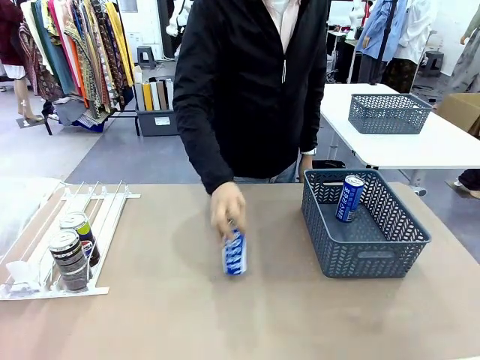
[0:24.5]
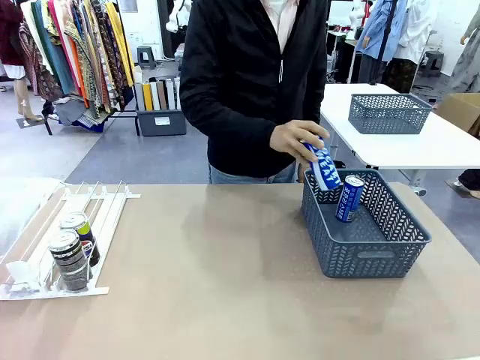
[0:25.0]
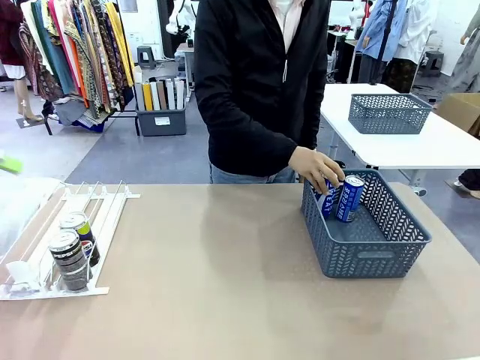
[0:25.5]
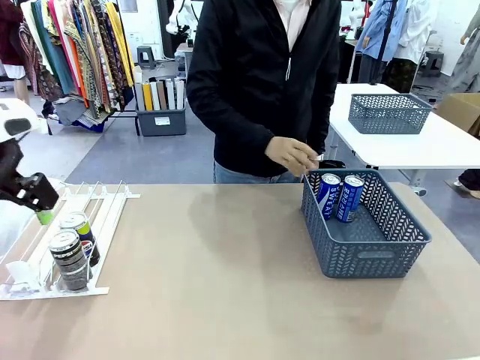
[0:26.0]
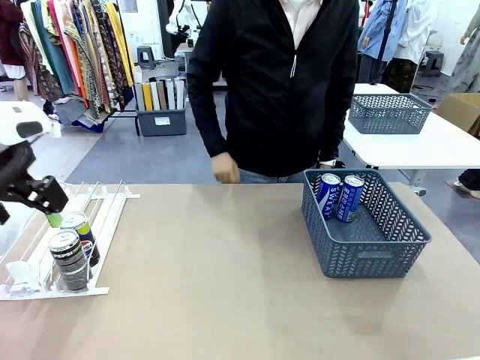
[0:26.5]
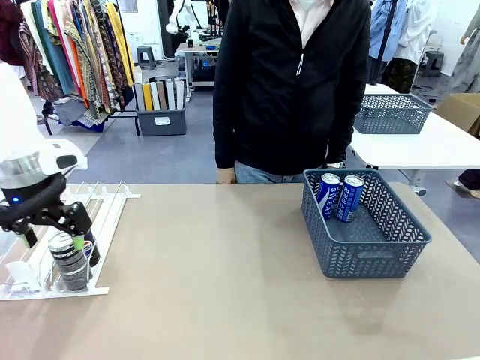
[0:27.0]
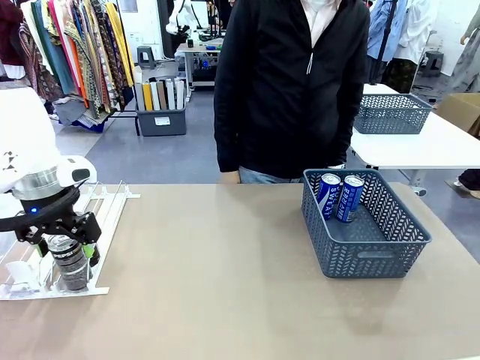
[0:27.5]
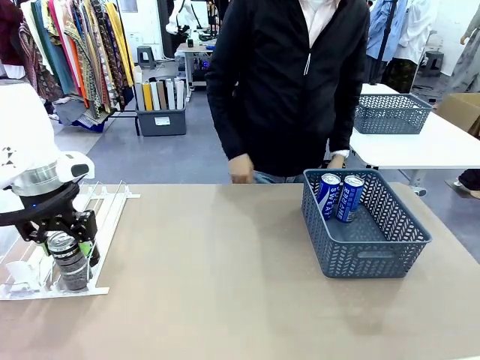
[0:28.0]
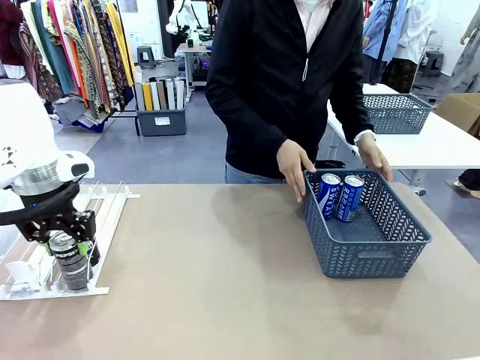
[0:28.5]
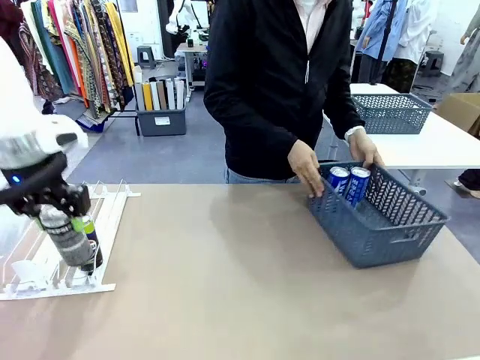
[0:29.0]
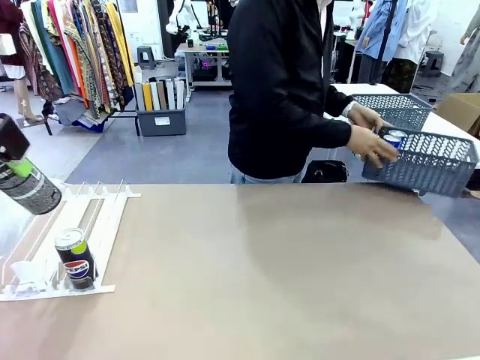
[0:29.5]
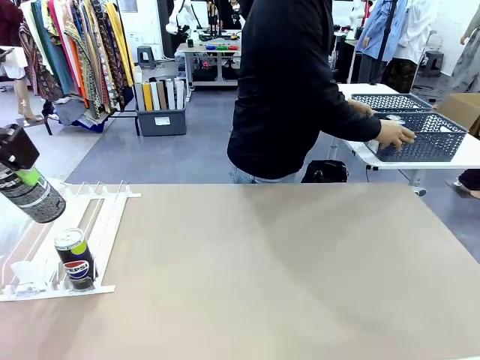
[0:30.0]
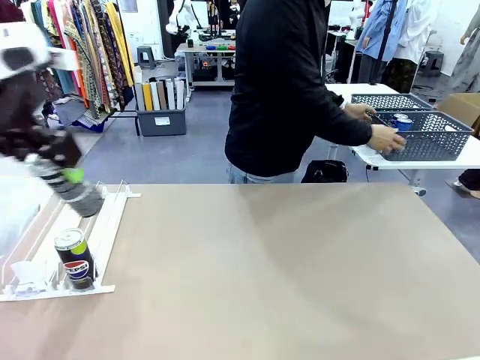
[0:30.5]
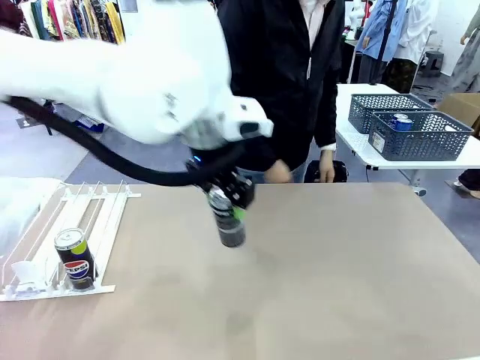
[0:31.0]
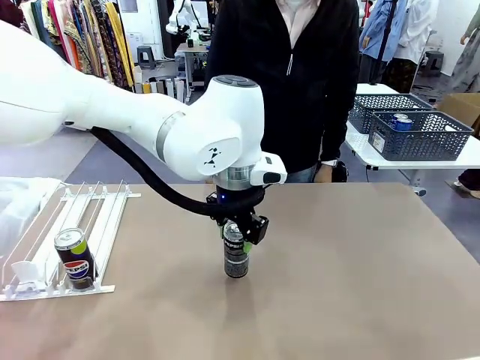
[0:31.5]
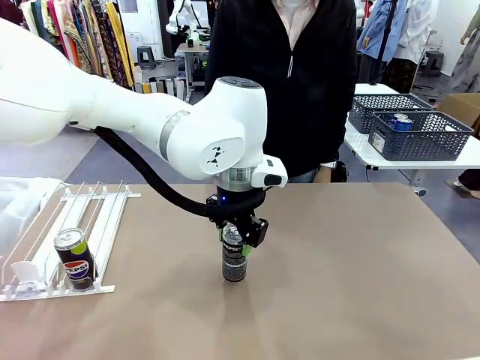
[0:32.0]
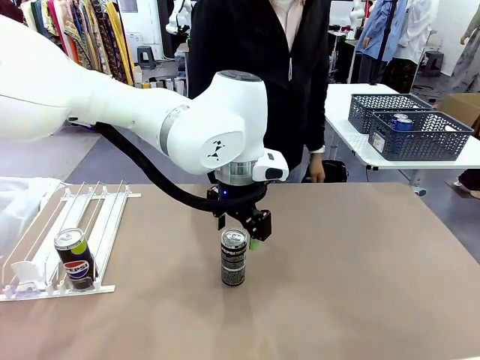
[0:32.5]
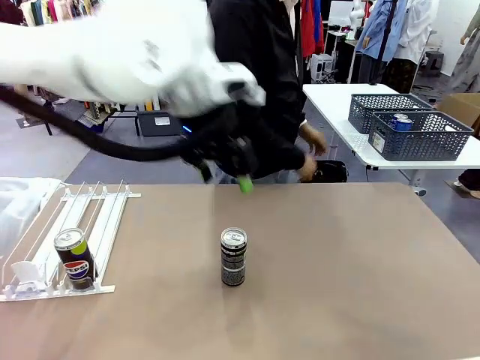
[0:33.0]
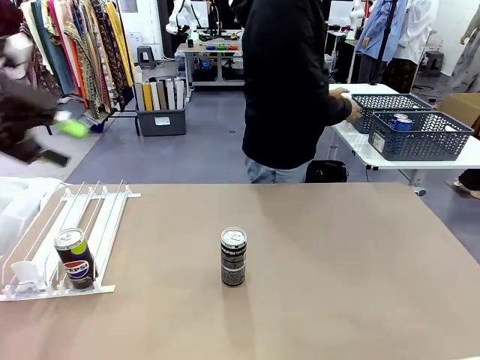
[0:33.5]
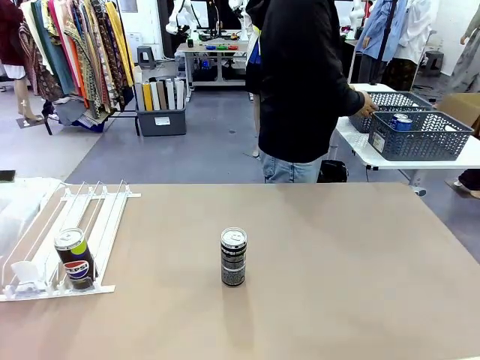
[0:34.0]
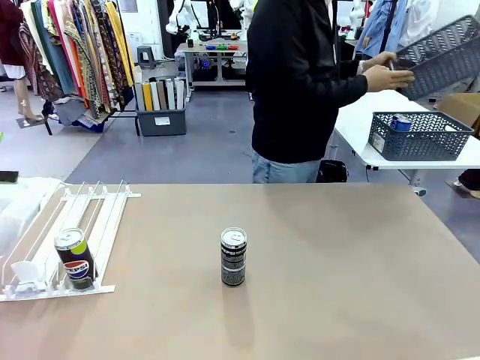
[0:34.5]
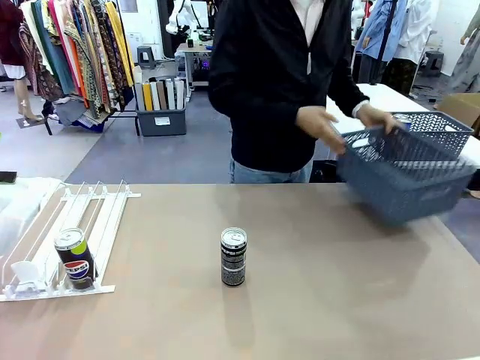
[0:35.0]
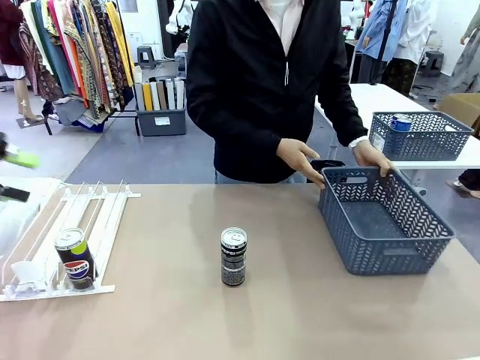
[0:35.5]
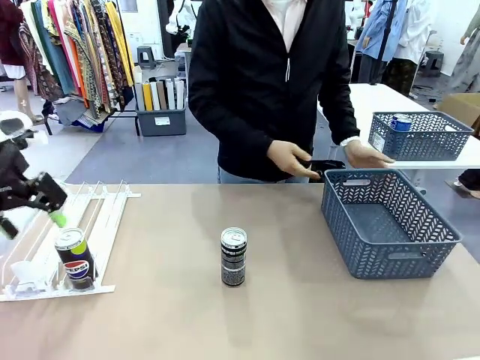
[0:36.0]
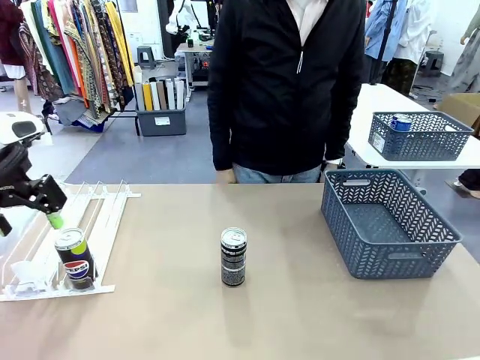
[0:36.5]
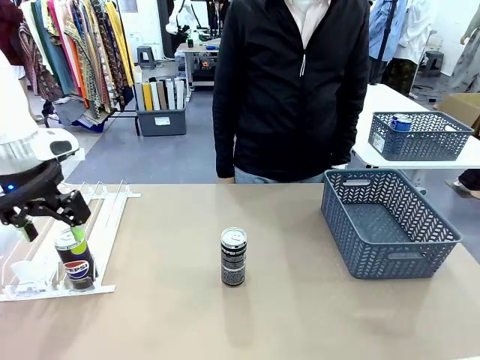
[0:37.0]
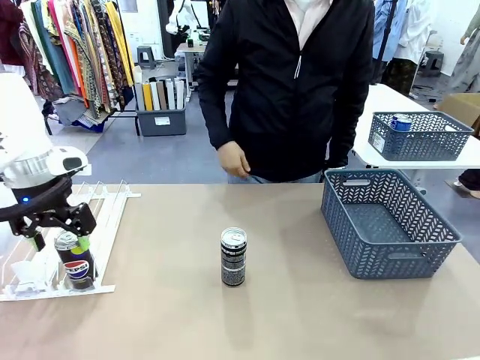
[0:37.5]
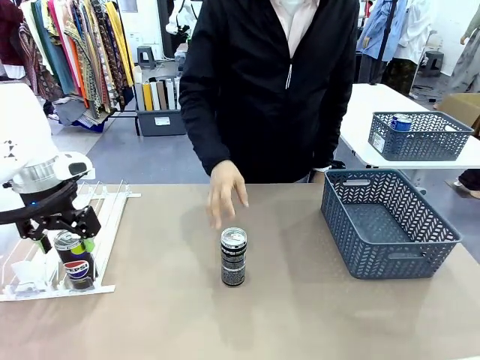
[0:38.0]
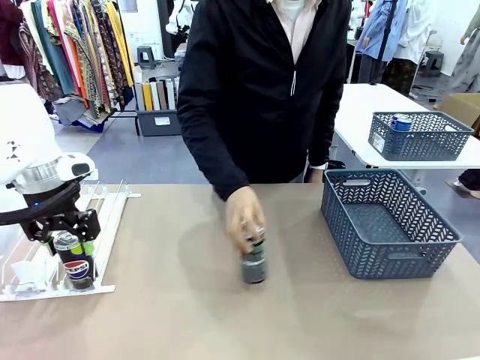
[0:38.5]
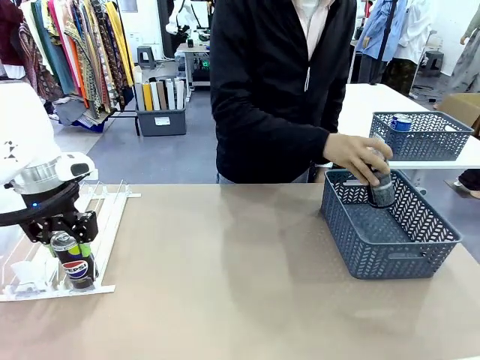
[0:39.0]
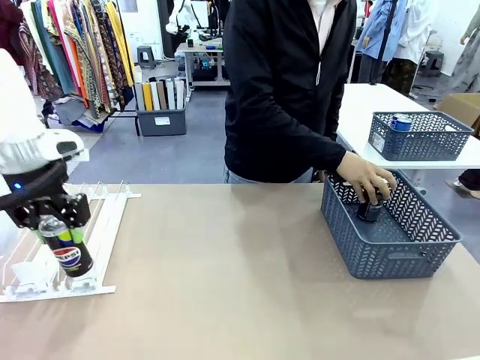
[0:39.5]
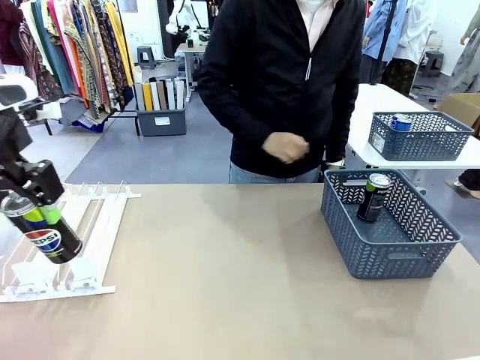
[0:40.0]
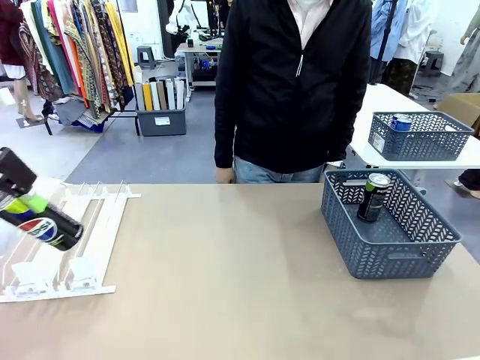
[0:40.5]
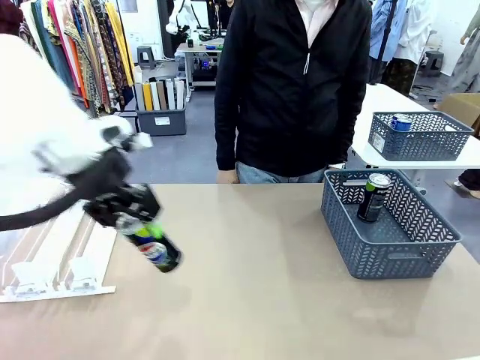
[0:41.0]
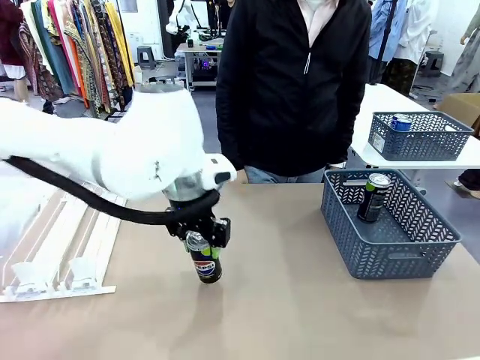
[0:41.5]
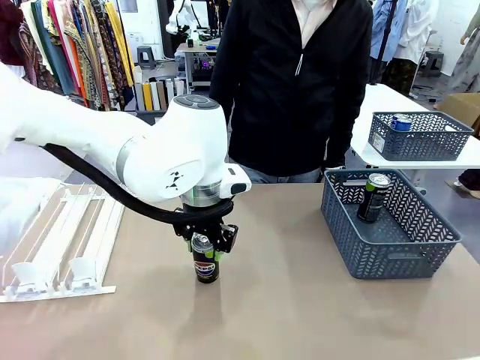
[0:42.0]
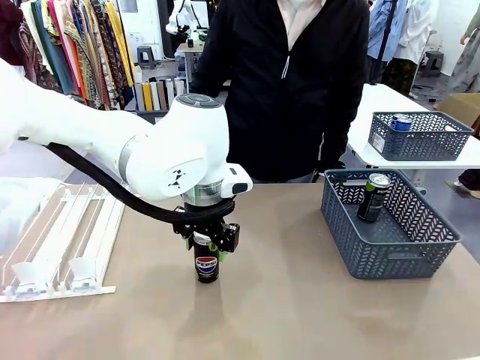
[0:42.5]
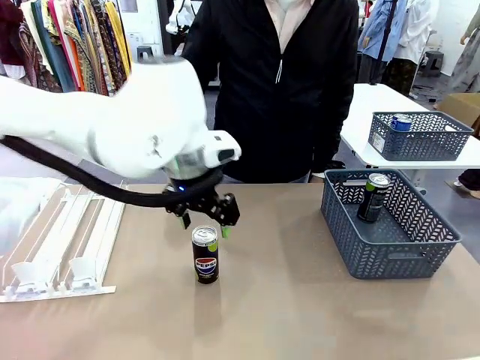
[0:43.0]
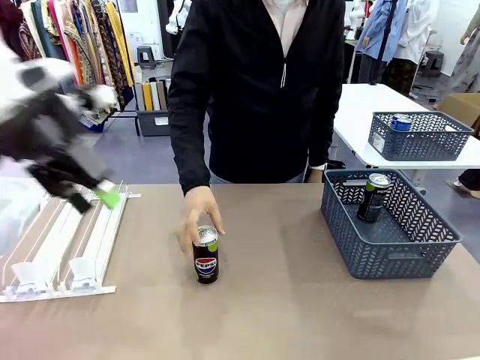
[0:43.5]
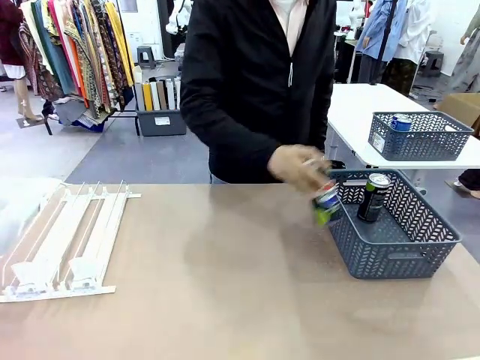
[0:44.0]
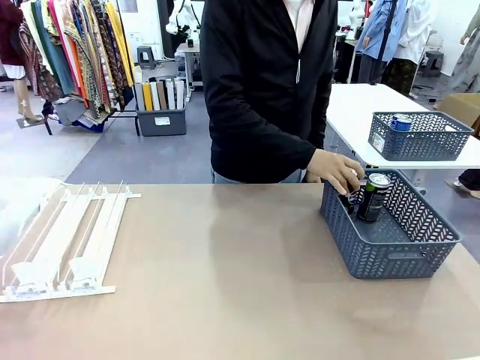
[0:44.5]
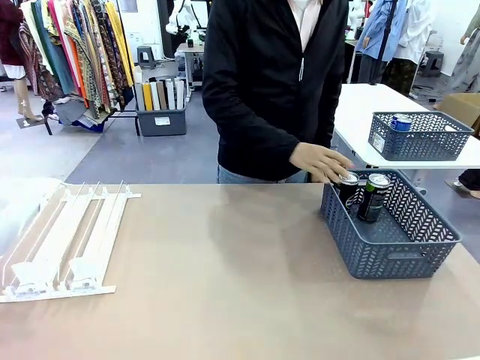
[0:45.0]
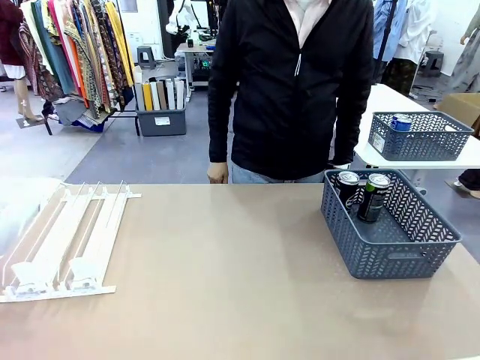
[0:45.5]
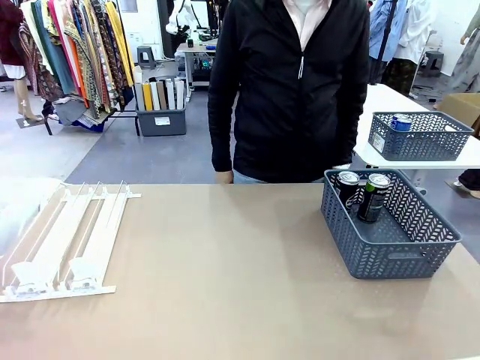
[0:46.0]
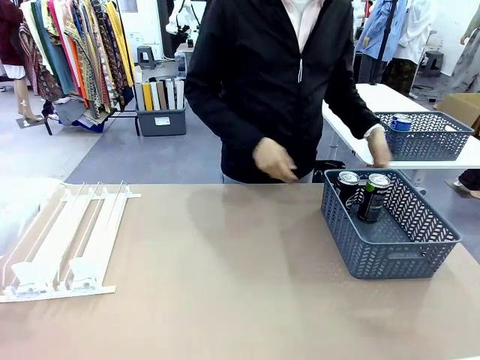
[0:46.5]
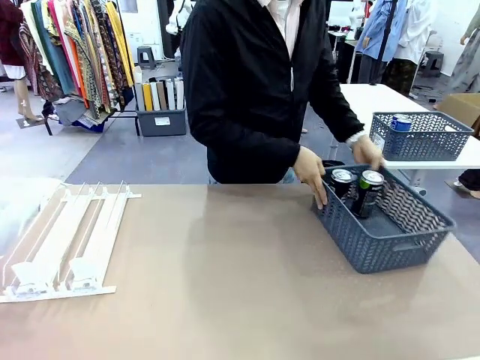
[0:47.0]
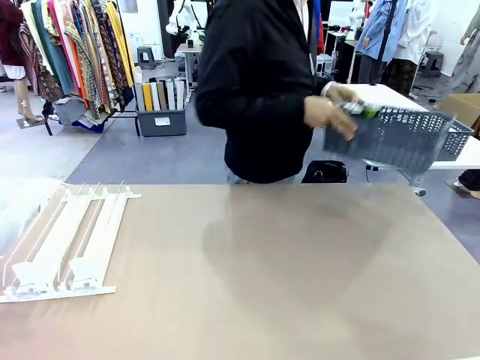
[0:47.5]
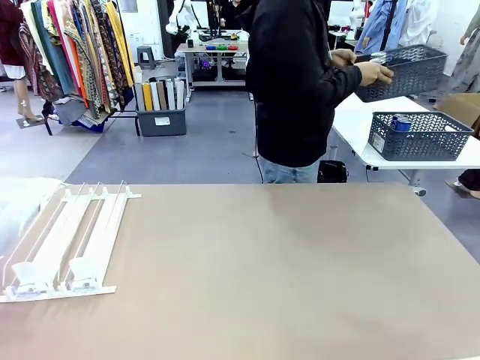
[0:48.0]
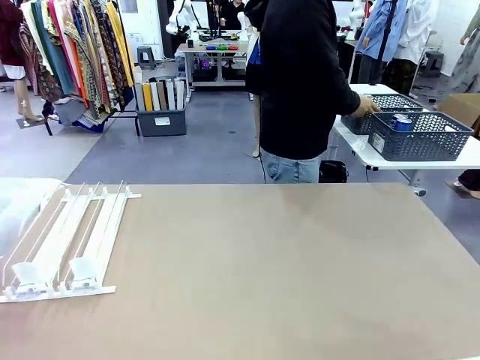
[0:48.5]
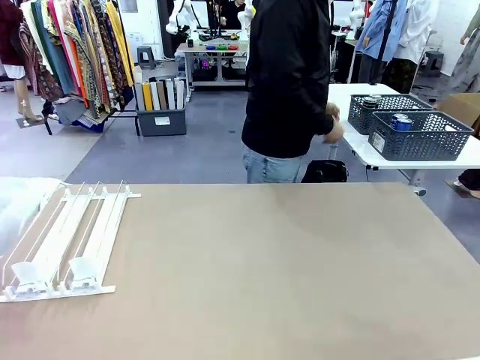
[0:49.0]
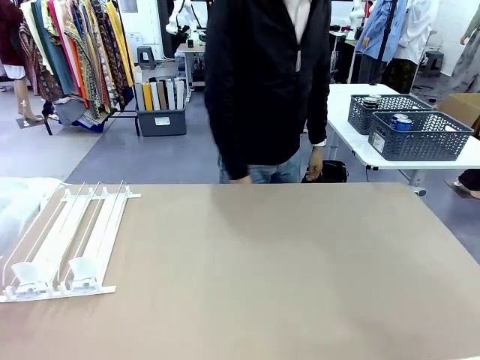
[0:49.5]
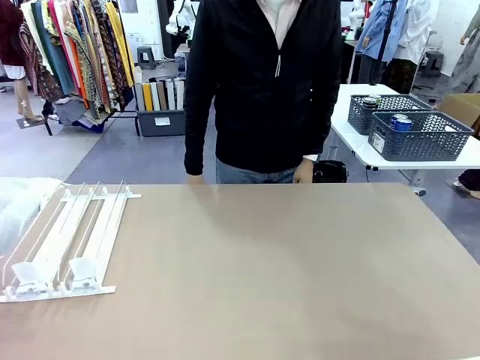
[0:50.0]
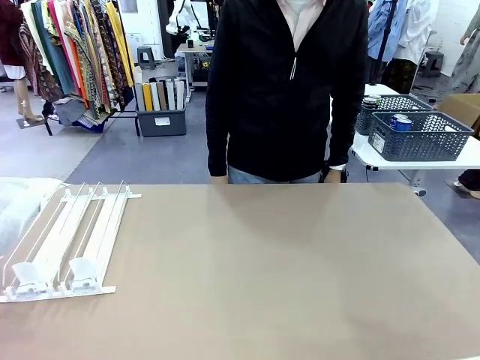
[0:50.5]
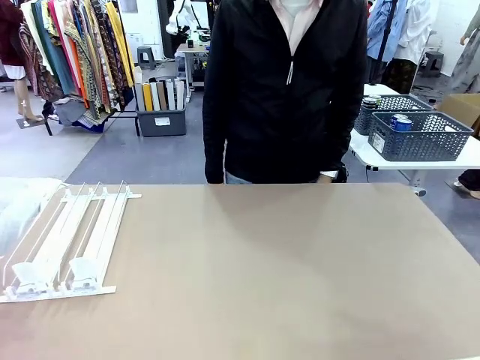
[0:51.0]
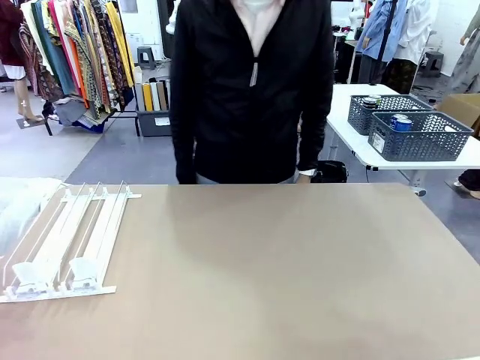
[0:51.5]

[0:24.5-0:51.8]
Task: Retrieve and store the cans from the dispenser.
Robot: Pick up one can from the Automatic Can Dispenser and place it in the middle of the table.
Person: Pick up the basket and place it in the middle of the human table. Pick up the empty basket and place it on the left side of the robot table. Pick up one sports drink can from the middle of the robot table and place it in the basket. Pick up the basket and place it in the middle of the human table.
